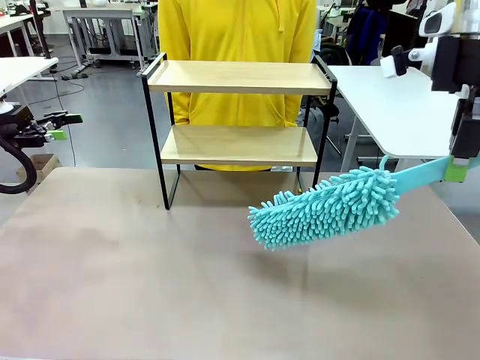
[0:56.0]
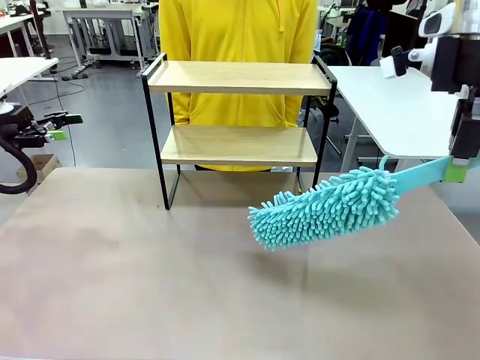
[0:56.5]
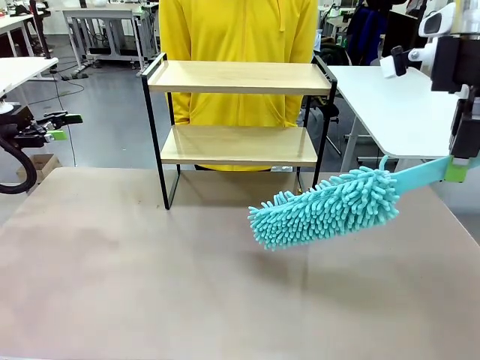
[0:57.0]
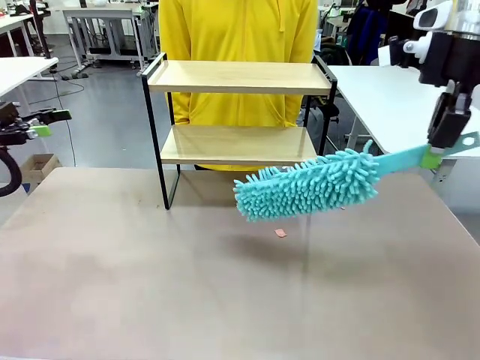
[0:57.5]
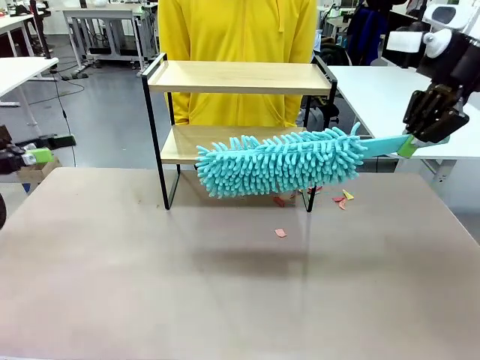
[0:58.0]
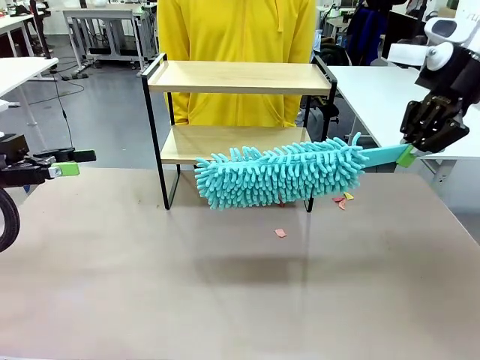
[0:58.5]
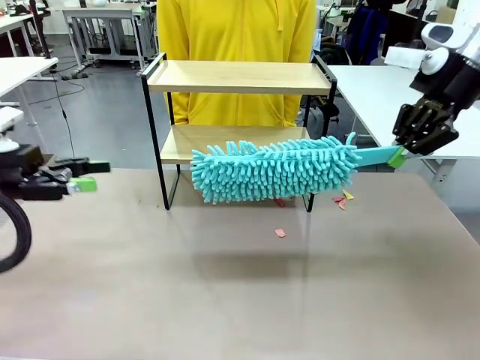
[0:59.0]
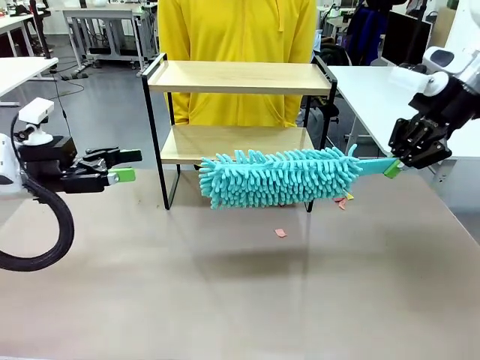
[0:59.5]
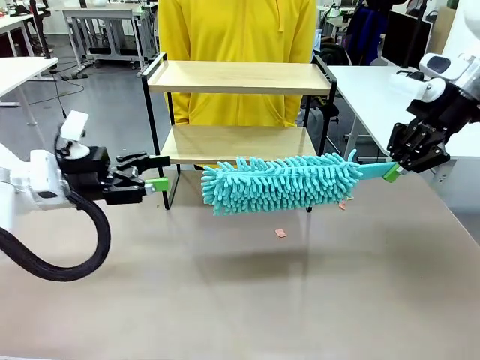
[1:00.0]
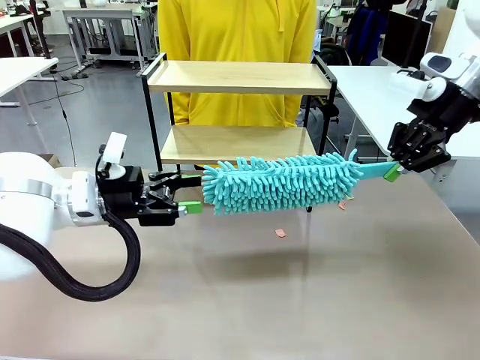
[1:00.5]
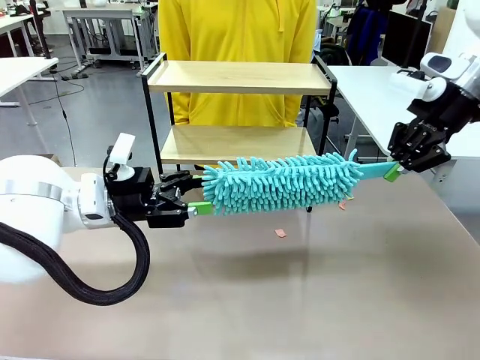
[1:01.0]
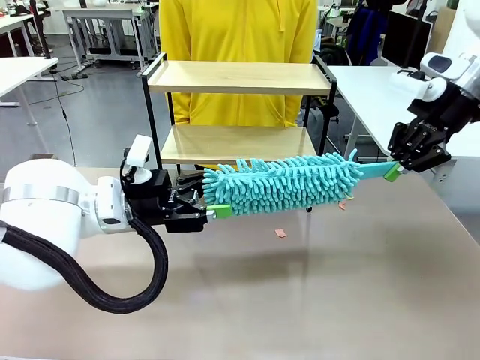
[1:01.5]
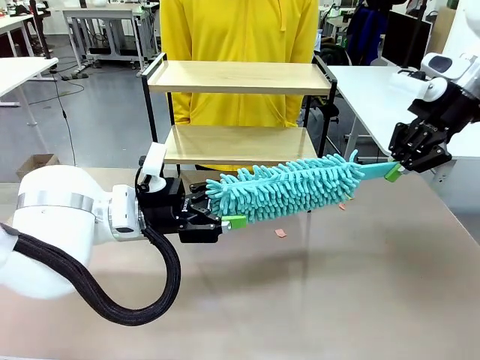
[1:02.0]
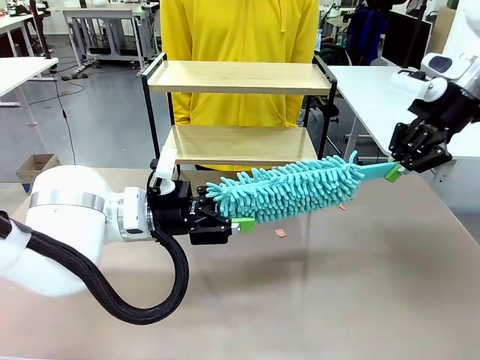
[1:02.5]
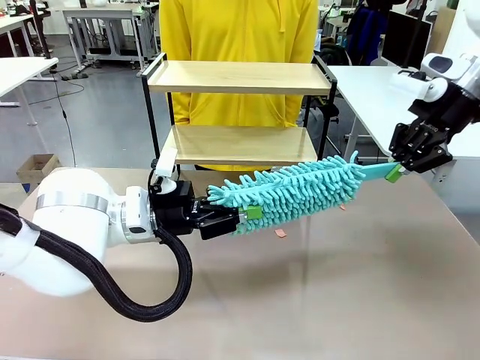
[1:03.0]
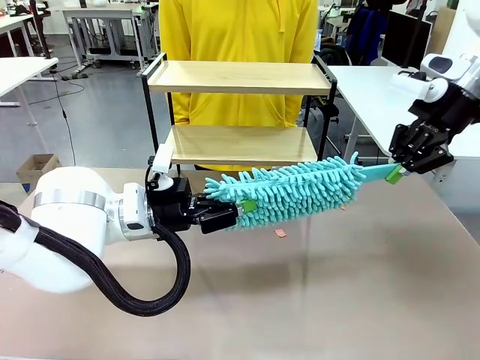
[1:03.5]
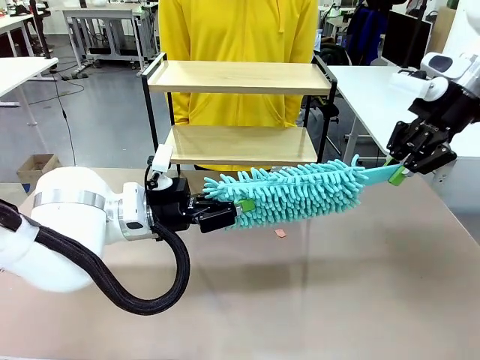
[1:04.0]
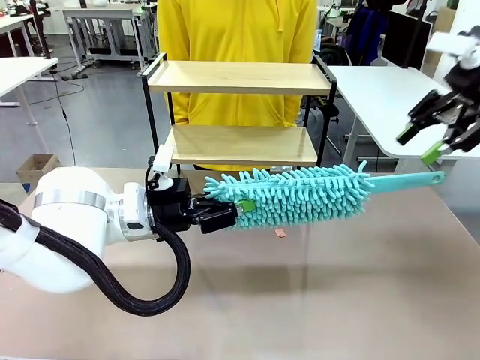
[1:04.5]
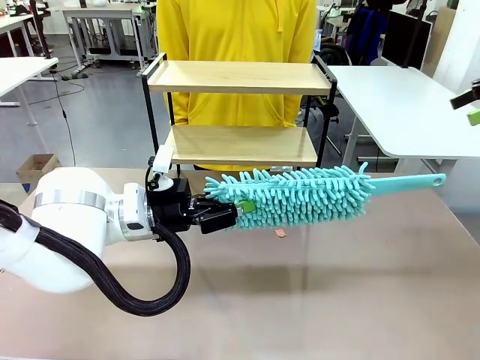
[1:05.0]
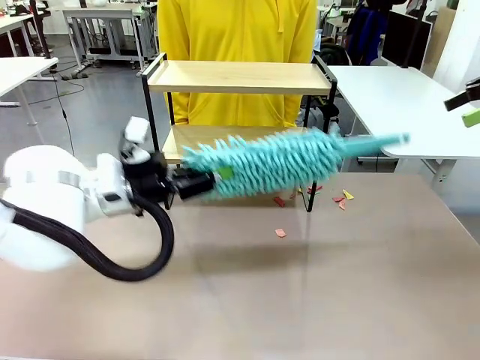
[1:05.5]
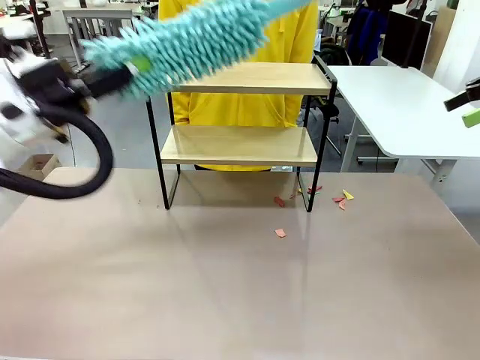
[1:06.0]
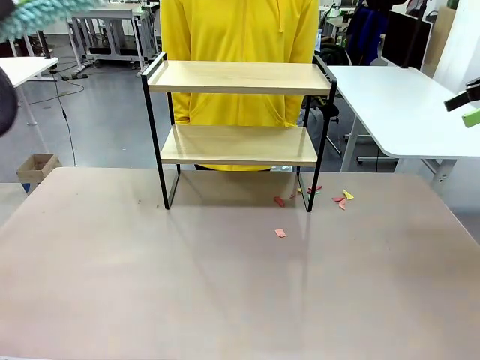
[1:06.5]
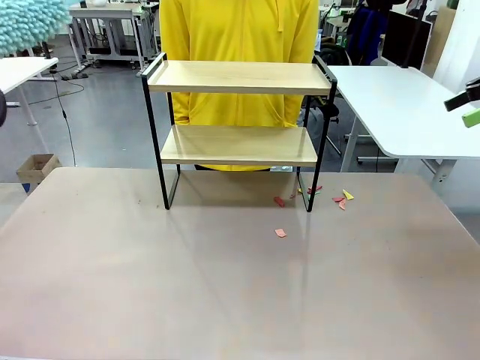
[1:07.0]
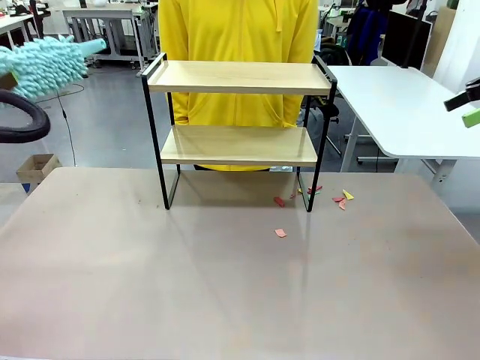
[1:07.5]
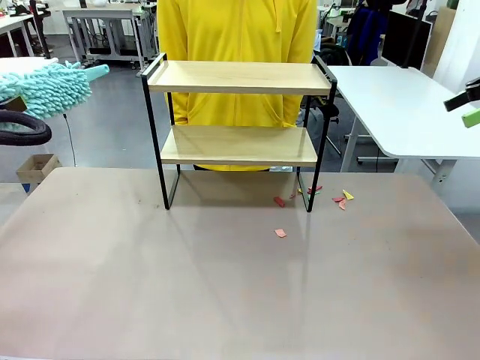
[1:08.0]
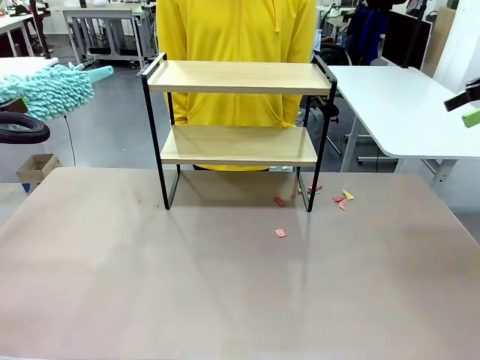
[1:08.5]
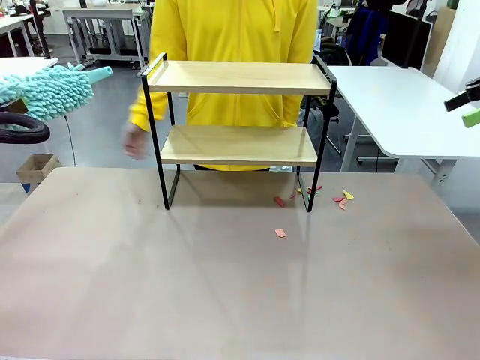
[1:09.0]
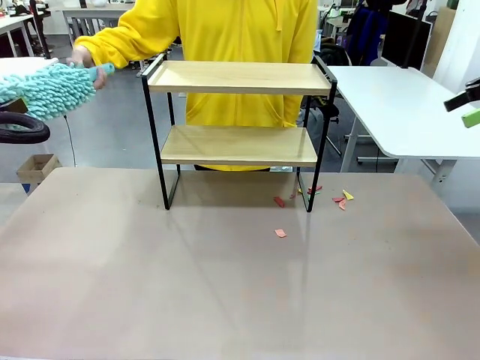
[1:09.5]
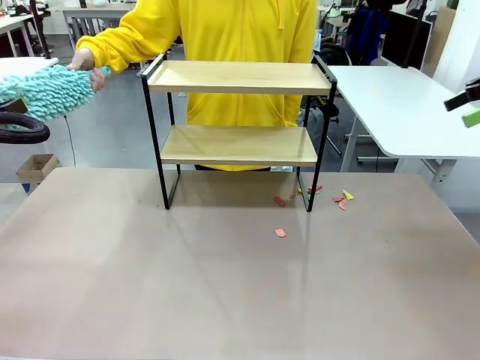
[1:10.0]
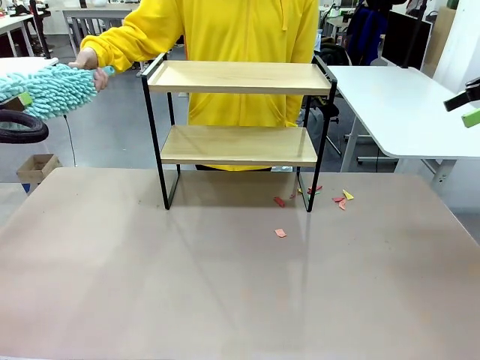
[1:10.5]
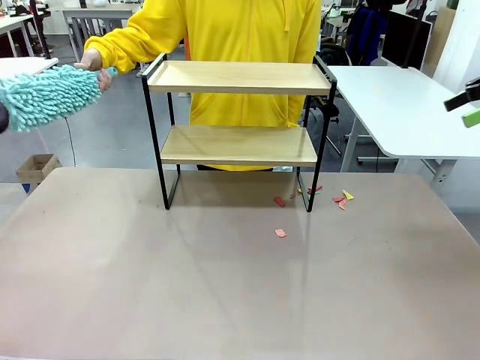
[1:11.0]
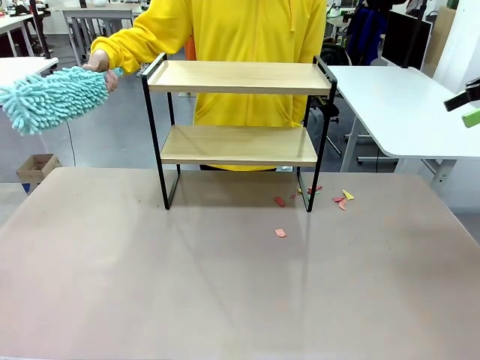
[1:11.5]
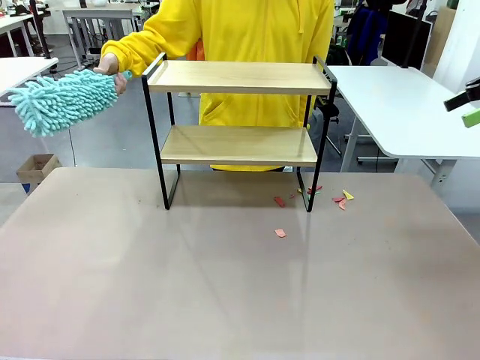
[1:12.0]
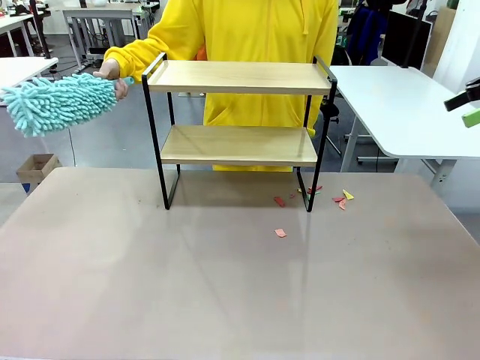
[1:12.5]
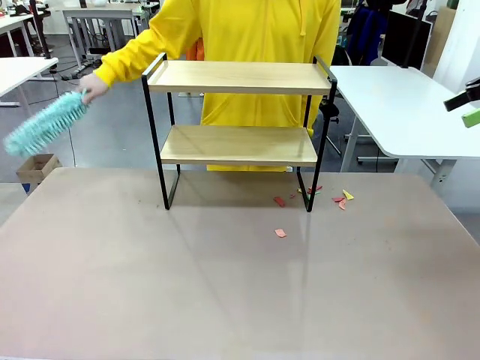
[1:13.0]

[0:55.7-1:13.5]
Task: Clean the shelf.
Robot: Hand the Duster back to the human.
Person: Receive the Duster from the robot.
